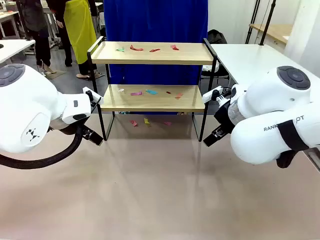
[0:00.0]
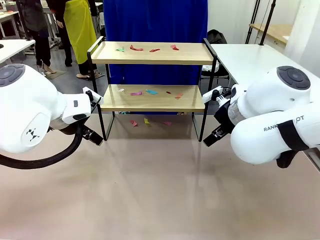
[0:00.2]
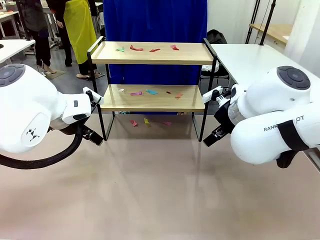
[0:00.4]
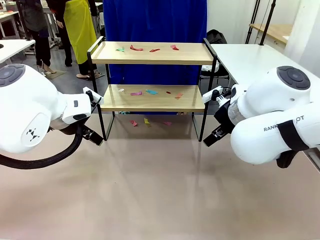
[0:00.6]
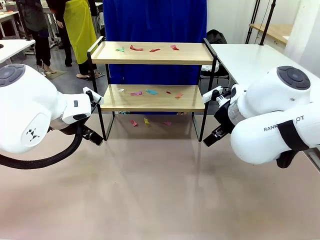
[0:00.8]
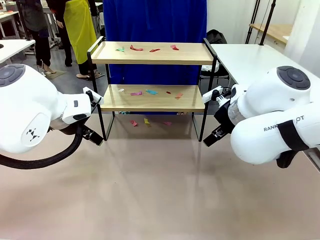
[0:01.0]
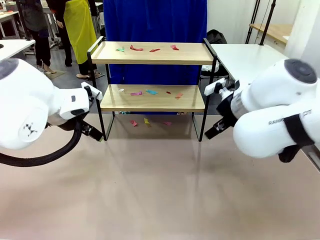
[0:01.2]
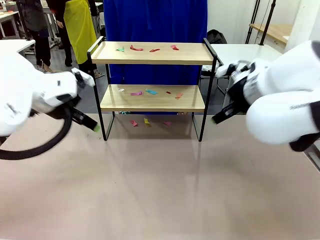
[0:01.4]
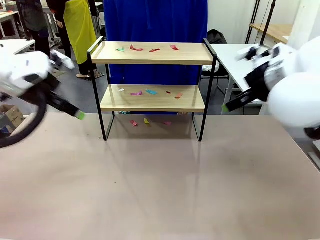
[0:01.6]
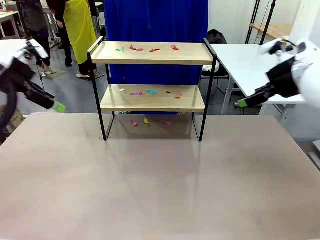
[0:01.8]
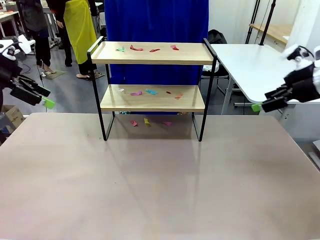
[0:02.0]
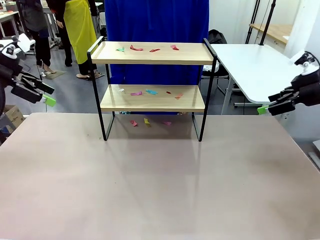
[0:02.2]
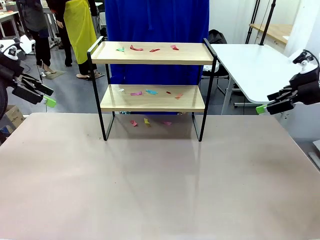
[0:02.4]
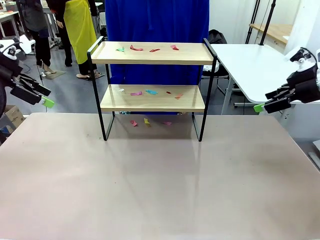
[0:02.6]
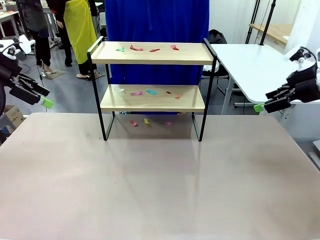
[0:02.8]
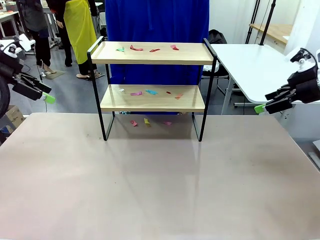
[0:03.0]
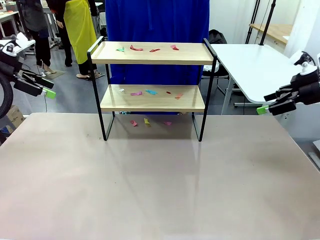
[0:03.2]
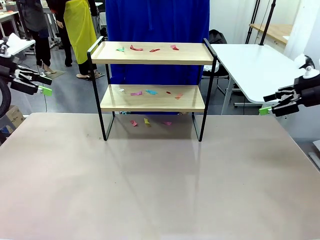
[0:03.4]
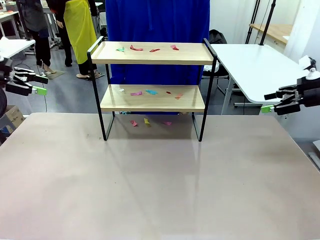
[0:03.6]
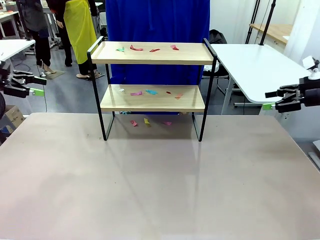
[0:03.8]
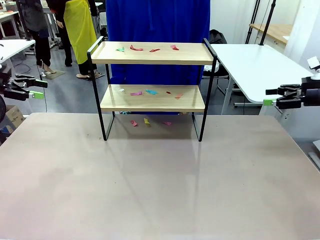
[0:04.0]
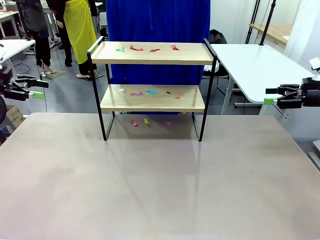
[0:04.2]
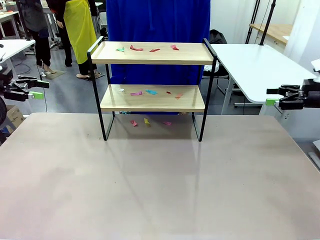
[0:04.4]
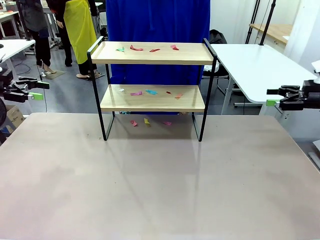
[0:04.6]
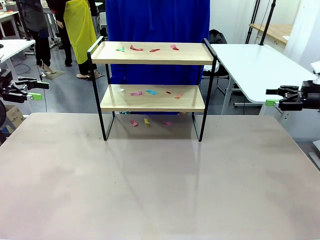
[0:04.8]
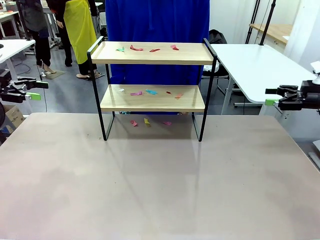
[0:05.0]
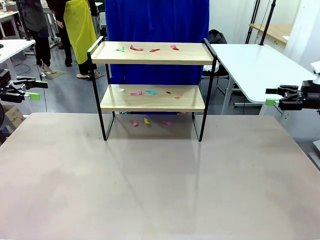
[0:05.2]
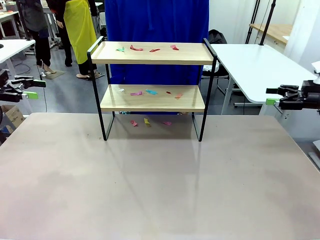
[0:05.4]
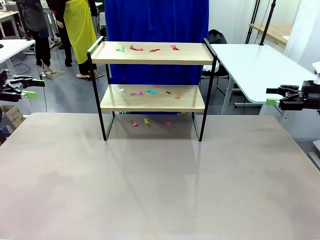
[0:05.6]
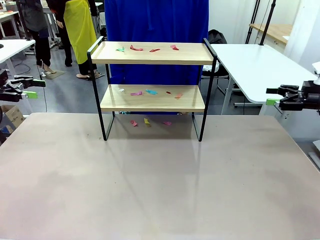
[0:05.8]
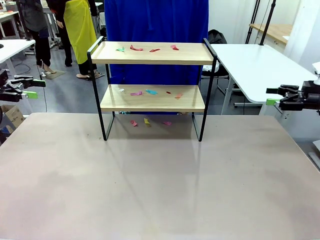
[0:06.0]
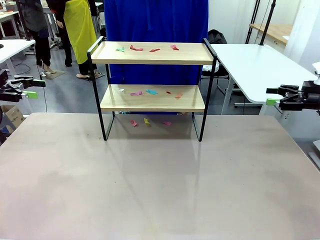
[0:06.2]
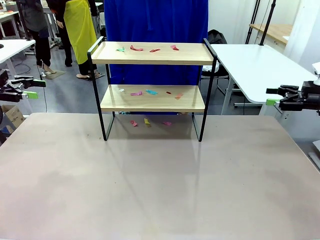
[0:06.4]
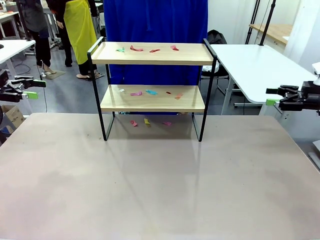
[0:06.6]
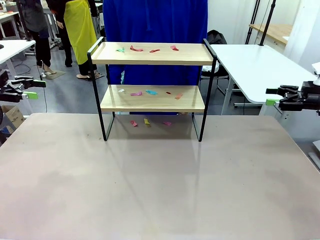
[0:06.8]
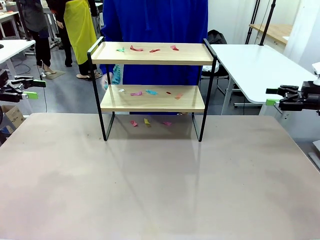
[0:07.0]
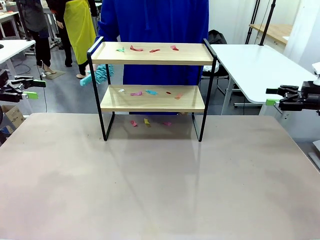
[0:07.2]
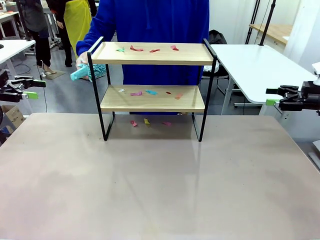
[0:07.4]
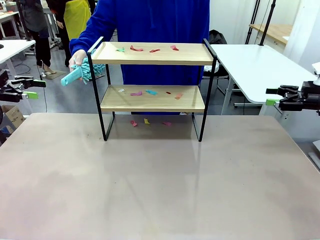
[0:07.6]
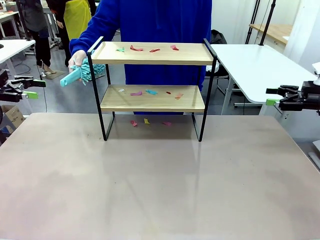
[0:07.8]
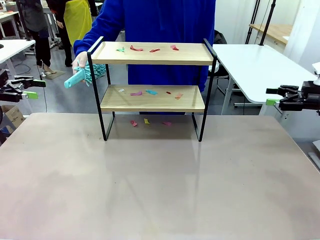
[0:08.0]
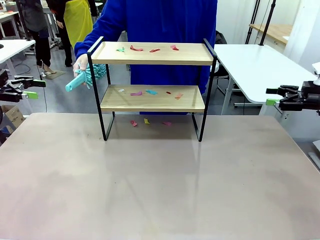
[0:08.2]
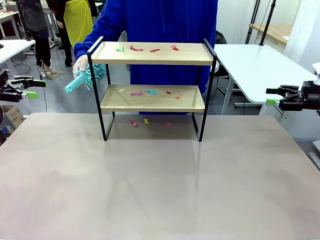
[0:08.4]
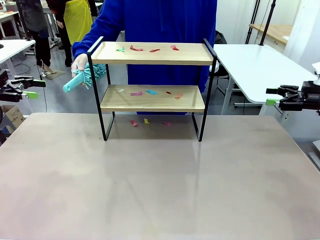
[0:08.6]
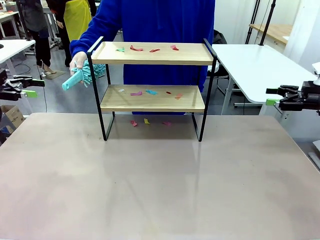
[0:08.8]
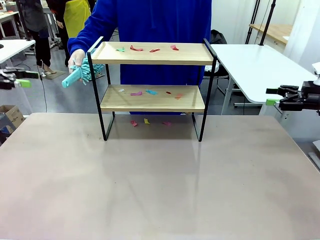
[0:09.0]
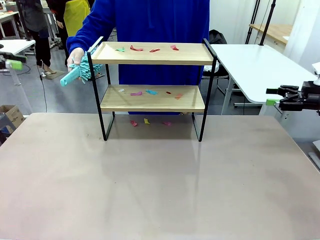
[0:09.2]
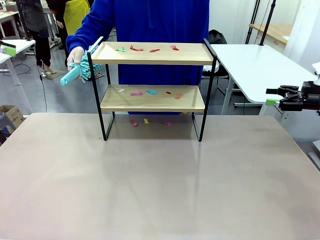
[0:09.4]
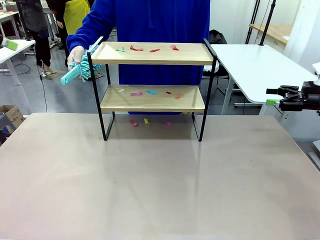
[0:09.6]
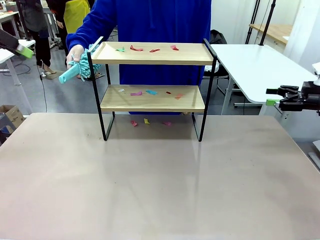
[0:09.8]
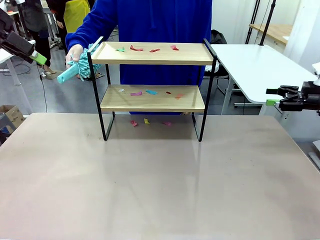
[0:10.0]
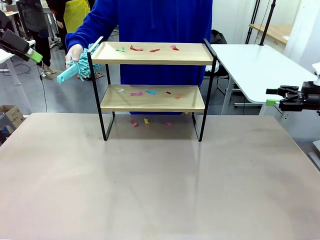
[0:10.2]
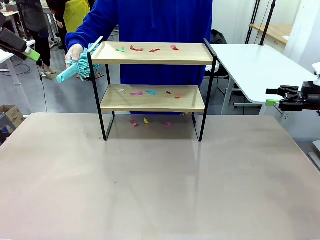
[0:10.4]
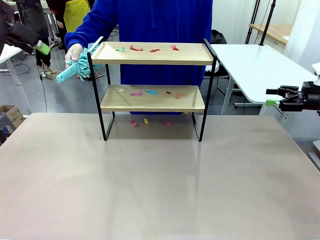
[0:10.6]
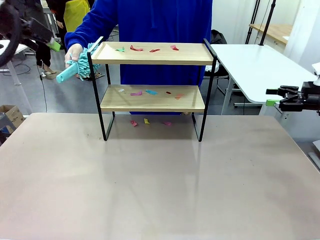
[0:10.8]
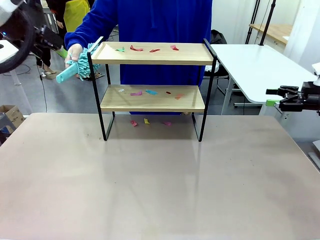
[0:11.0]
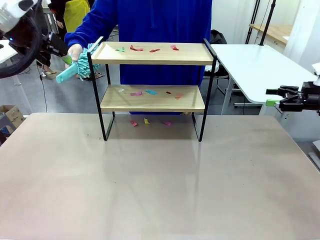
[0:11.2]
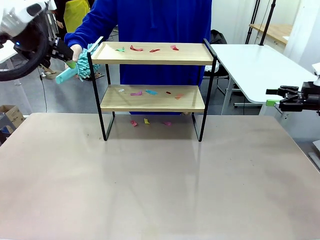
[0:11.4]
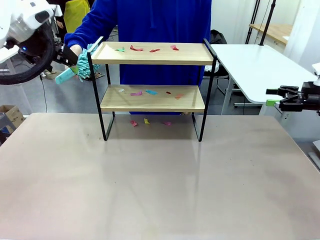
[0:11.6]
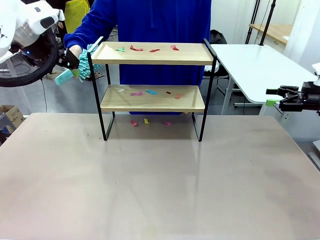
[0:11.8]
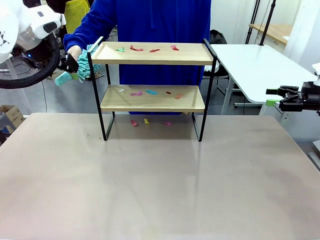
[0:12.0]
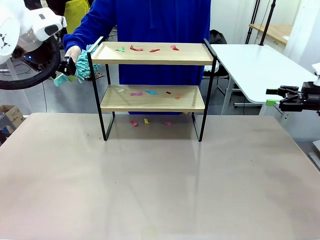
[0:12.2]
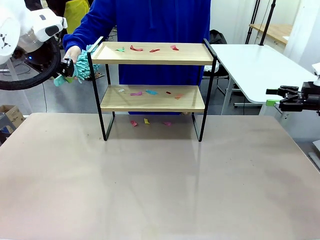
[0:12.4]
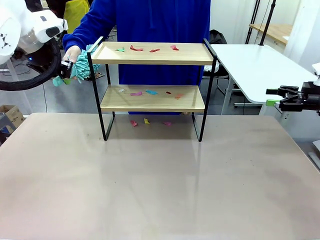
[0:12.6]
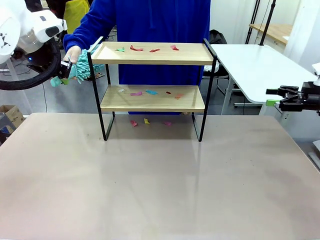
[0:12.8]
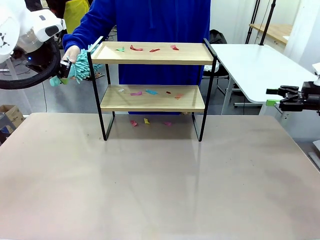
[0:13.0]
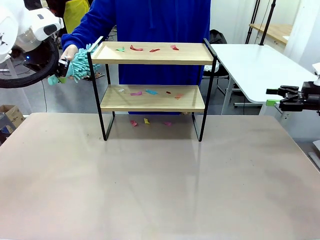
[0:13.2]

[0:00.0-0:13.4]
Task: Clean the shelf.
Robot: Pick up the Duster handed by the human.
Person: Hand the Duster to the robot.
